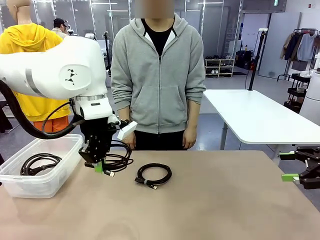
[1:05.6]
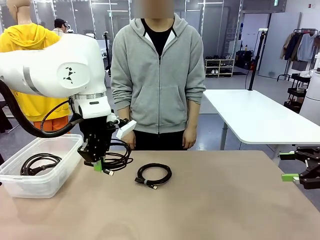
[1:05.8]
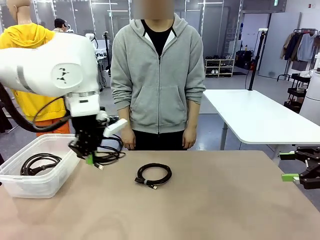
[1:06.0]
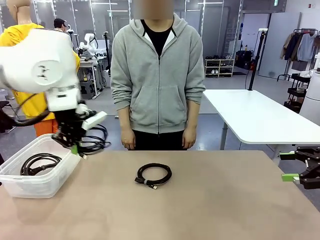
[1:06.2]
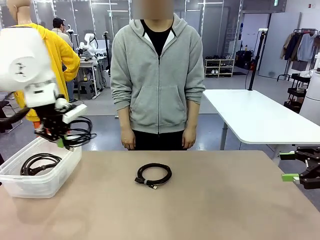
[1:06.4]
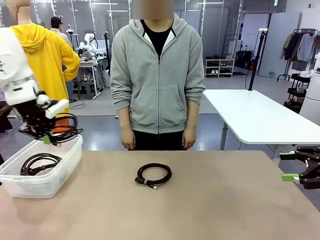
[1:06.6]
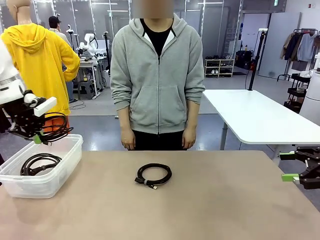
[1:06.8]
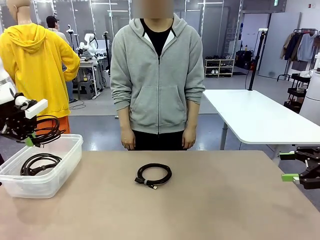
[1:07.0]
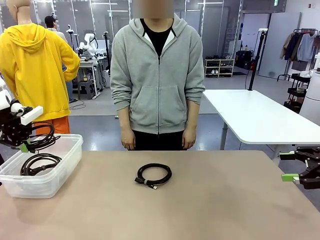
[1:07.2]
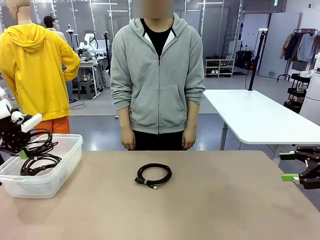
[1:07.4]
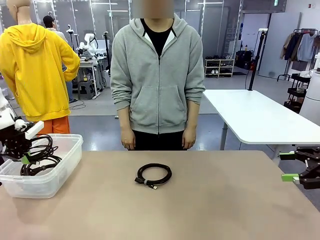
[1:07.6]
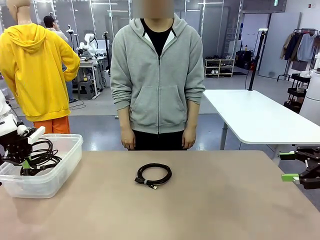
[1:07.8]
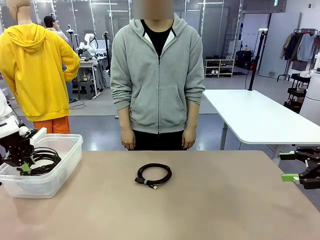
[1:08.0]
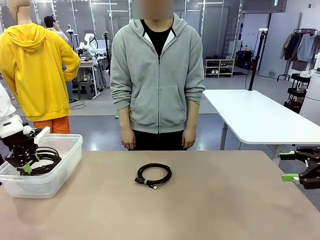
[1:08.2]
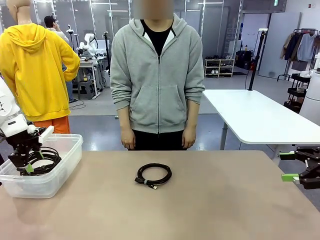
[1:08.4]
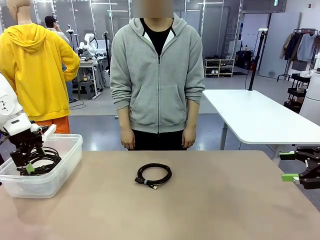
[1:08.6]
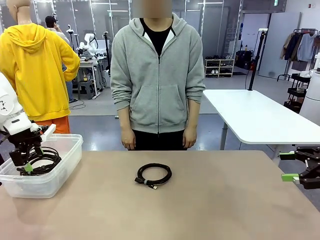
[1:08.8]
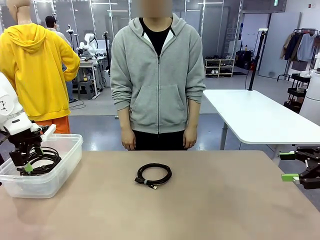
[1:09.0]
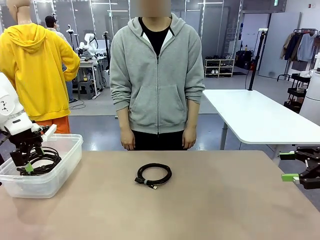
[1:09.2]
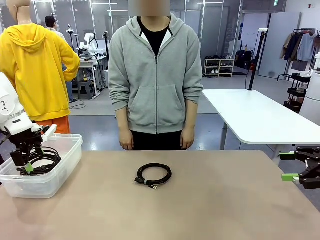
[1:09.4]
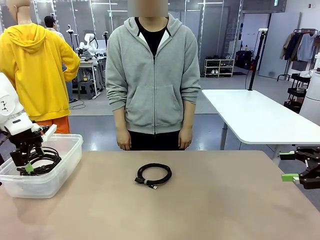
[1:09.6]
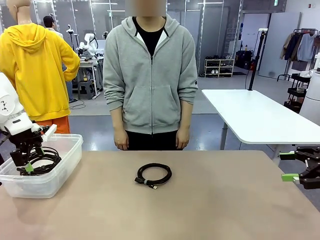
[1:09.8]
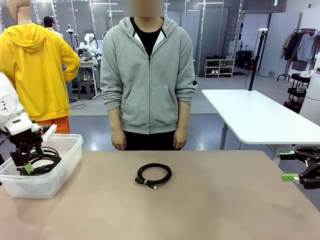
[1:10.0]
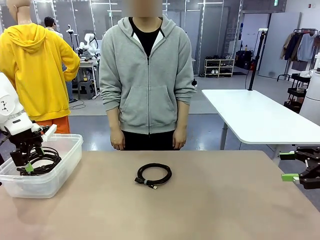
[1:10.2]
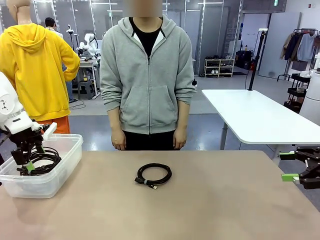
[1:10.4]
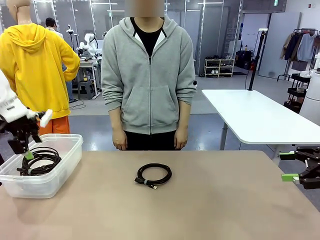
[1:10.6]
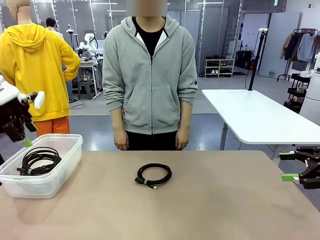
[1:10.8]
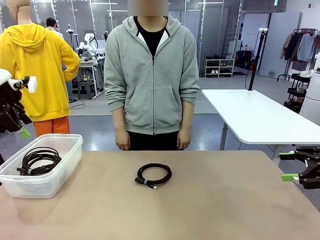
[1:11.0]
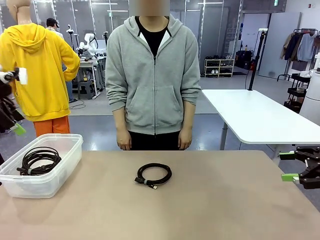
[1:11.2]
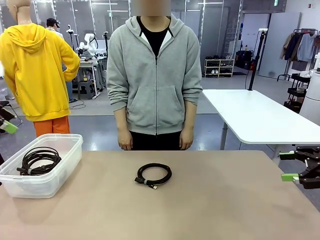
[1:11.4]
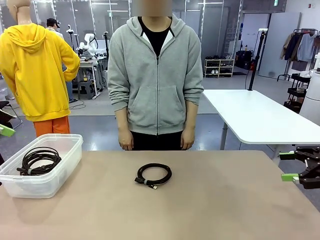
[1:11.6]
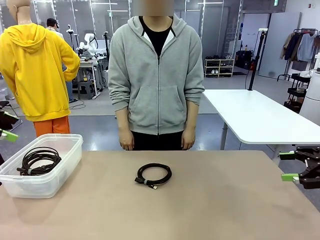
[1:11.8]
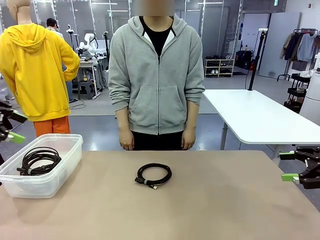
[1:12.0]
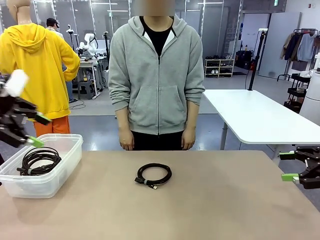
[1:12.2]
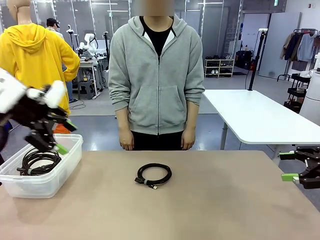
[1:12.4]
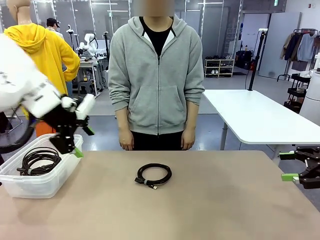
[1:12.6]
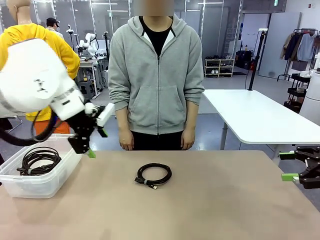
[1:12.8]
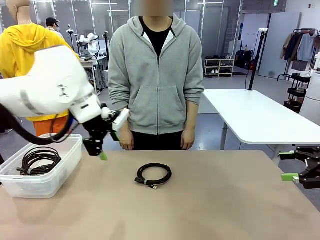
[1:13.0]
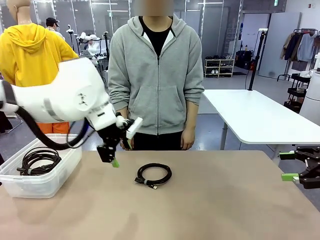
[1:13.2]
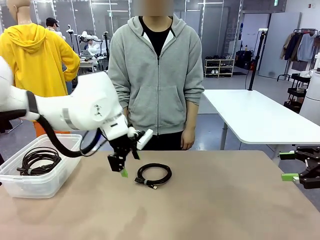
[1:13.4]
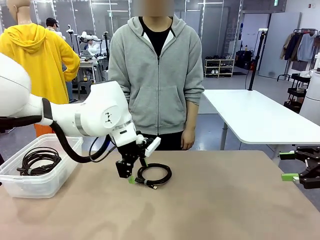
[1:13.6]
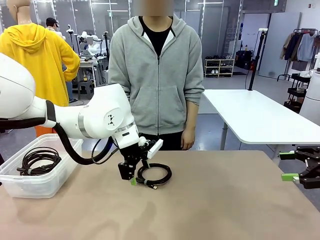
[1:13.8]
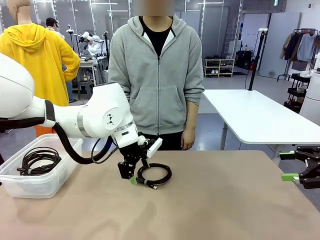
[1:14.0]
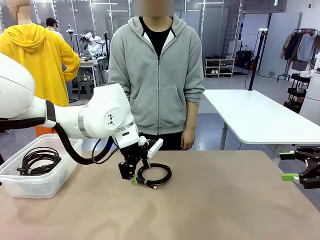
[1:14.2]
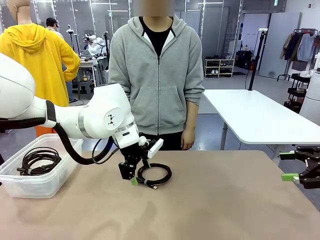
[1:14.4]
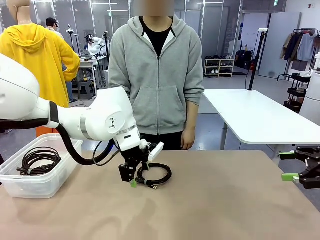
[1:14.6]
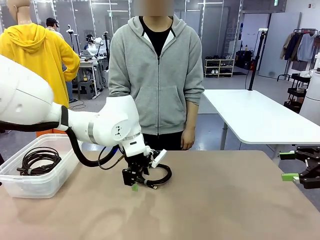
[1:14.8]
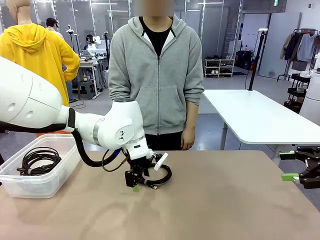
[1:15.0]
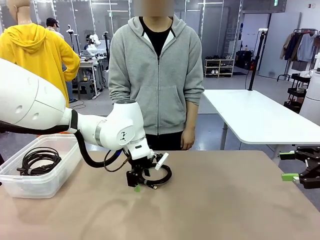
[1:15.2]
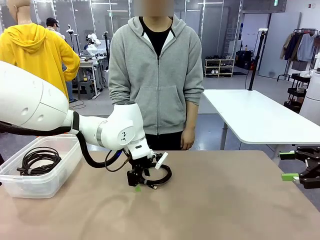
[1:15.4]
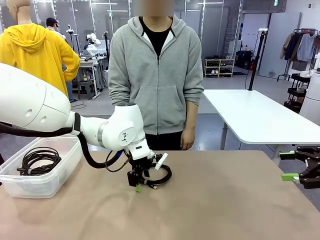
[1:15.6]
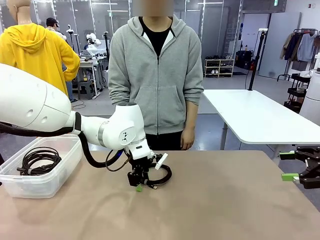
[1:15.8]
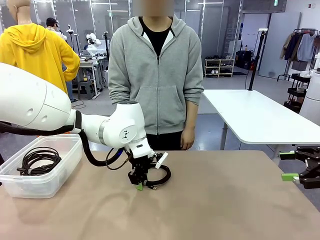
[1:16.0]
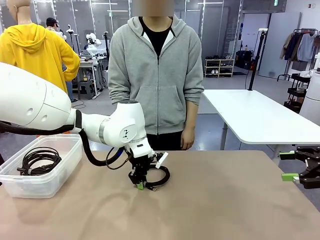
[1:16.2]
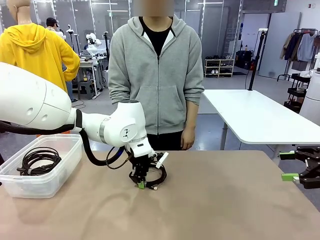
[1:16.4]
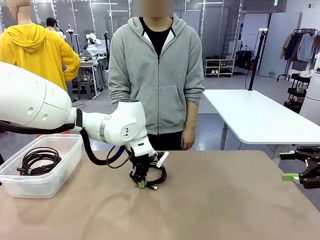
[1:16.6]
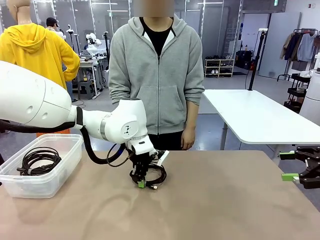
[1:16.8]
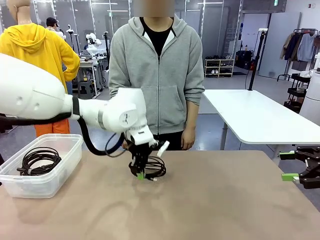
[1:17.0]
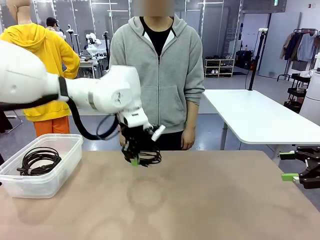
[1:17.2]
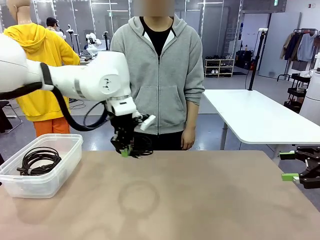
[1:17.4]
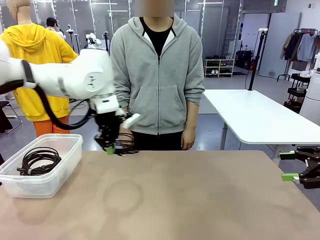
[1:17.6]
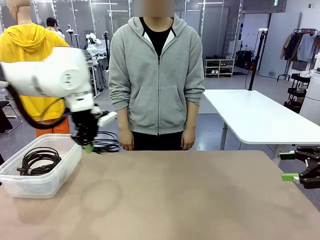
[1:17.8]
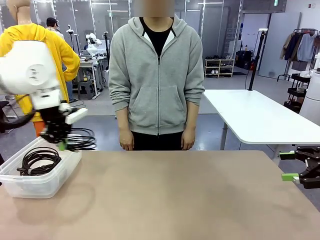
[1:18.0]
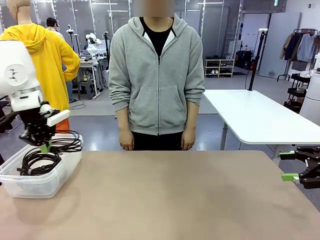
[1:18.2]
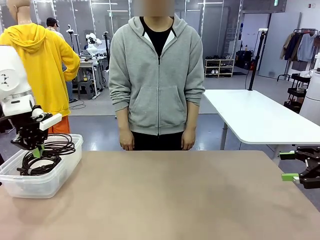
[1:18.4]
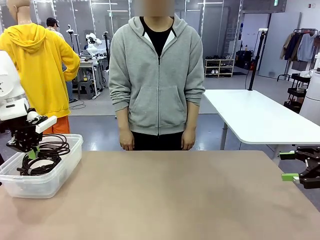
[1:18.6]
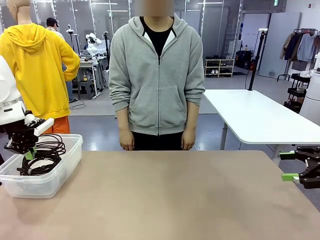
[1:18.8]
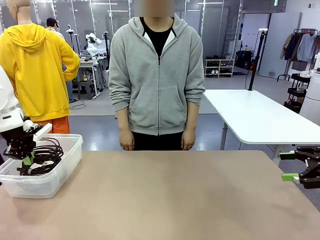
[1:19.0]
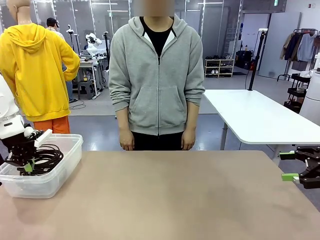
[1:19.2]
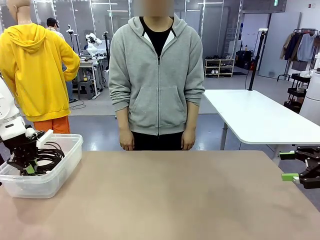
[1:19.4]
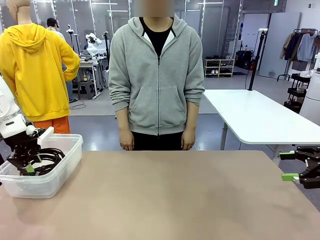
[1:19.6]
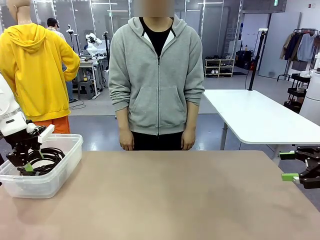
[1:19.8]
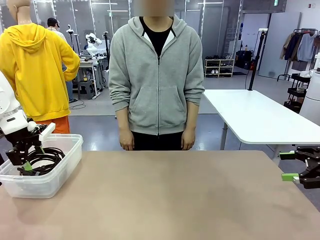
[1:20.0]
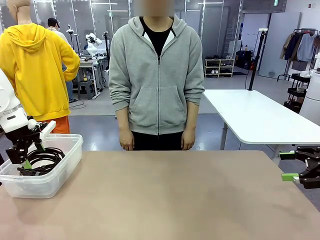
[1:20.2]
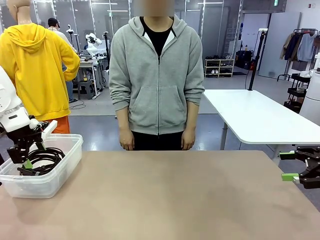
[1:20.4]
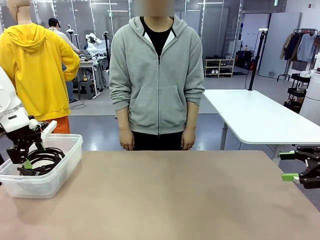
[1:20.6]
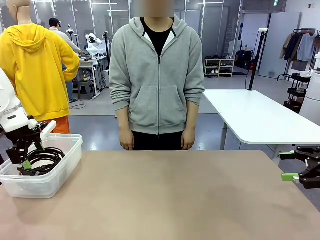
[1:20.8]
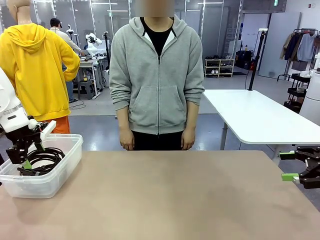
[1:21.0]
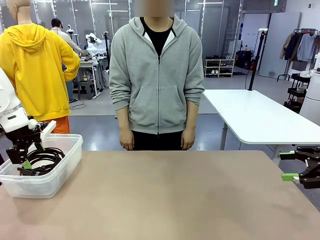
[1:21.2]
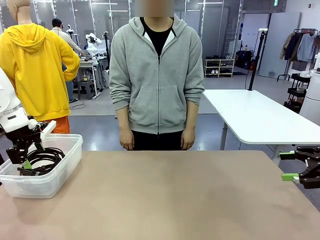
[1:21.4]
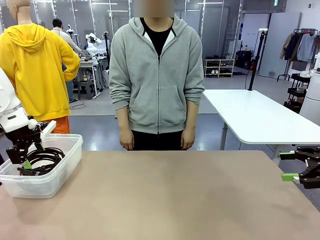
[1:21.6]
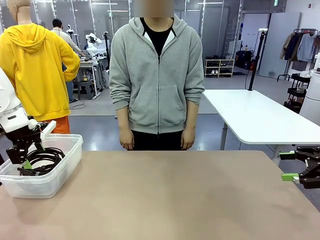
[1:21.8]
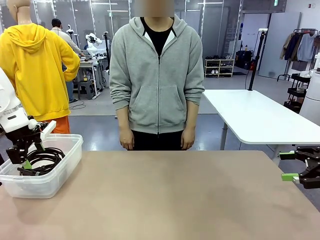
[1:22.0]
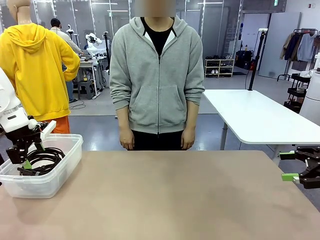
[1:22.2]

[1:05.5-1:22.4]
Task: Organize and store the cables.
Robot: Place the USB Extension Cable into the Organizing box.
